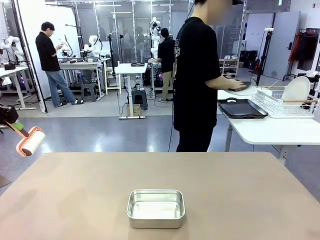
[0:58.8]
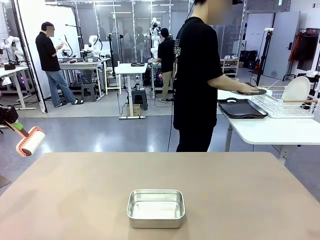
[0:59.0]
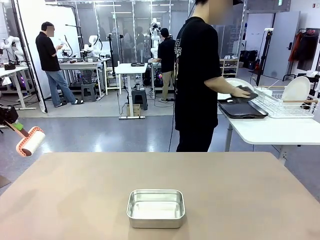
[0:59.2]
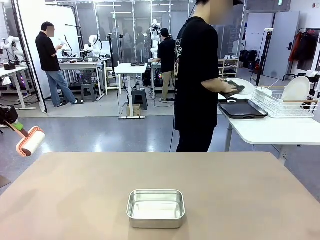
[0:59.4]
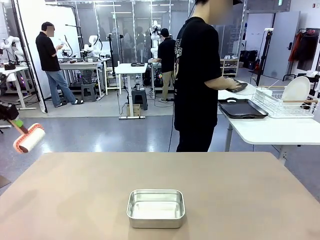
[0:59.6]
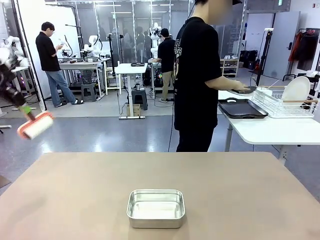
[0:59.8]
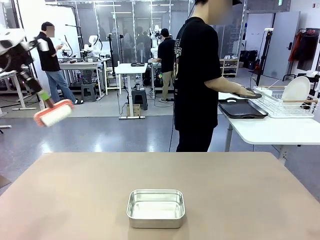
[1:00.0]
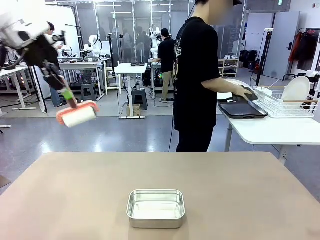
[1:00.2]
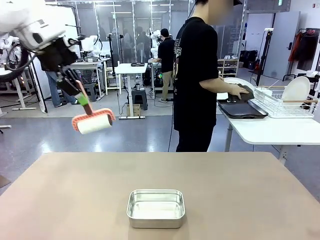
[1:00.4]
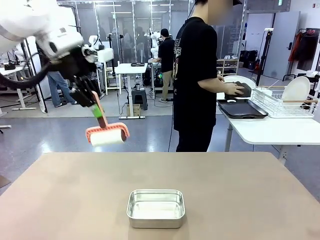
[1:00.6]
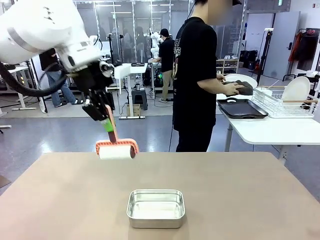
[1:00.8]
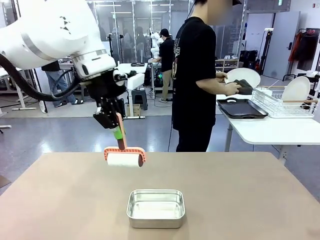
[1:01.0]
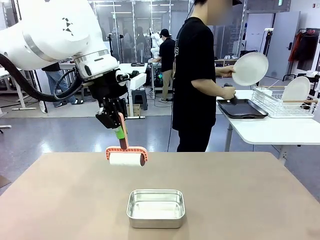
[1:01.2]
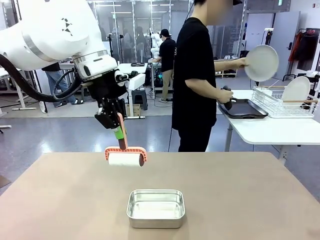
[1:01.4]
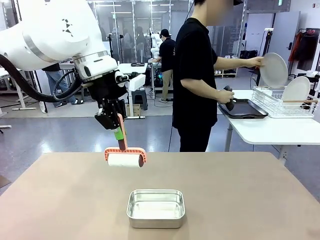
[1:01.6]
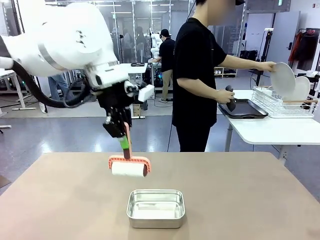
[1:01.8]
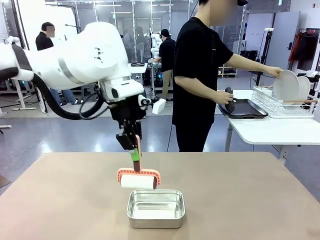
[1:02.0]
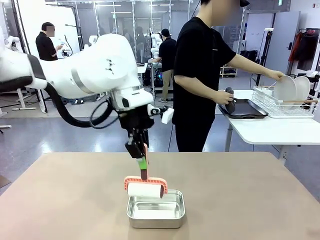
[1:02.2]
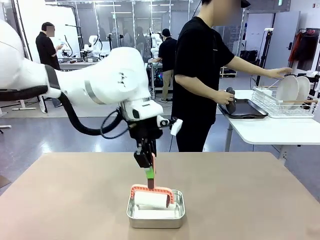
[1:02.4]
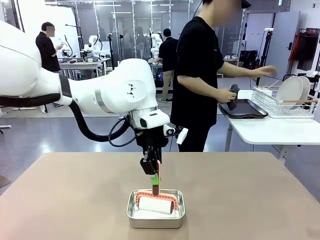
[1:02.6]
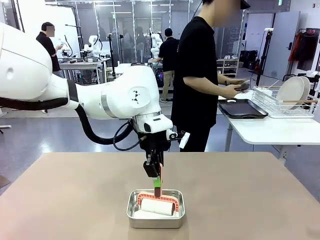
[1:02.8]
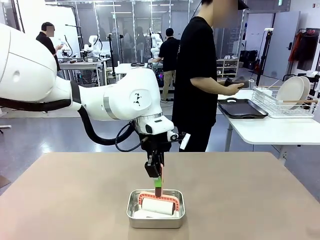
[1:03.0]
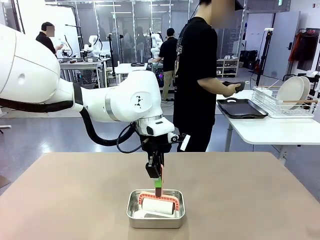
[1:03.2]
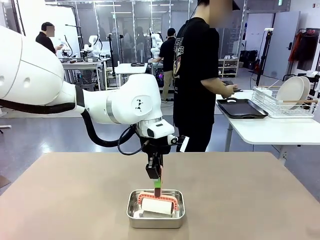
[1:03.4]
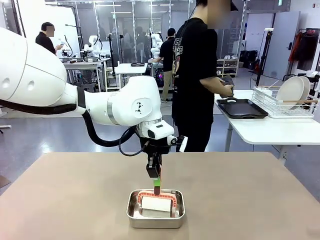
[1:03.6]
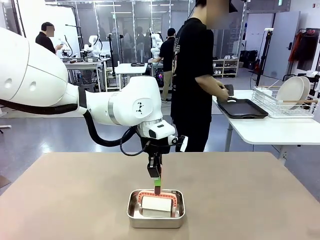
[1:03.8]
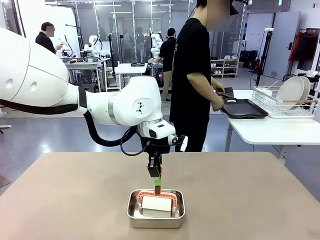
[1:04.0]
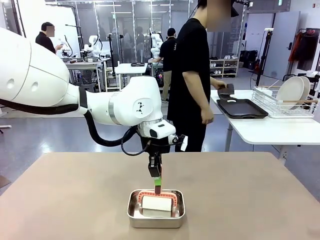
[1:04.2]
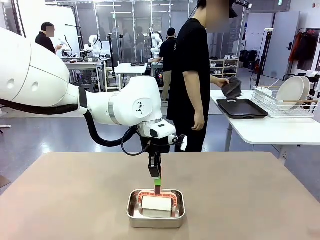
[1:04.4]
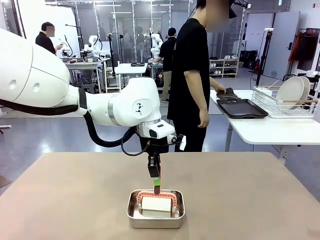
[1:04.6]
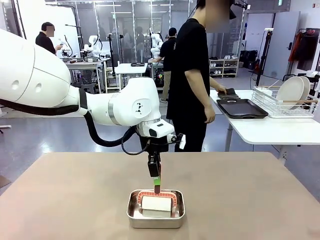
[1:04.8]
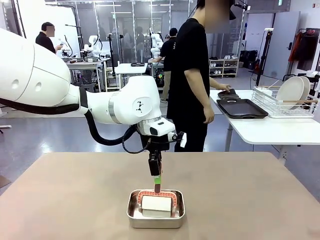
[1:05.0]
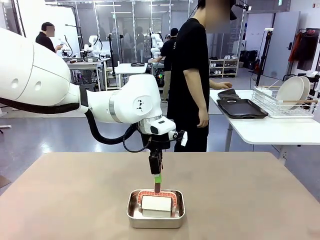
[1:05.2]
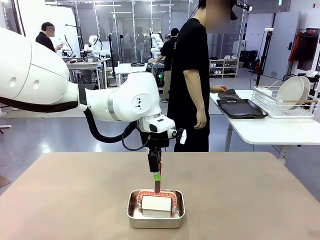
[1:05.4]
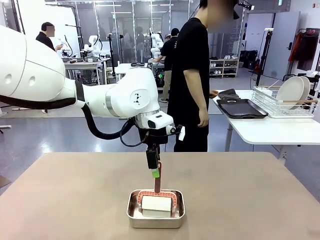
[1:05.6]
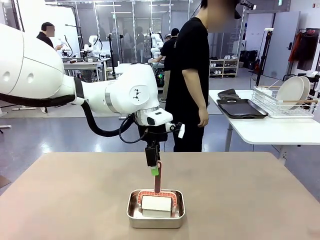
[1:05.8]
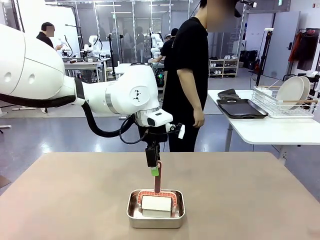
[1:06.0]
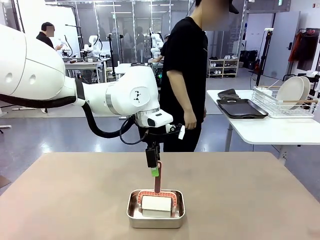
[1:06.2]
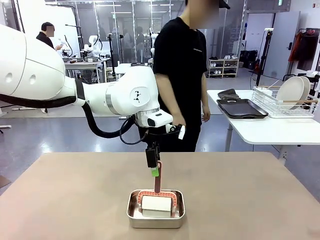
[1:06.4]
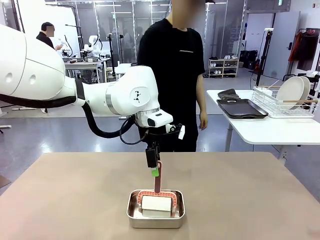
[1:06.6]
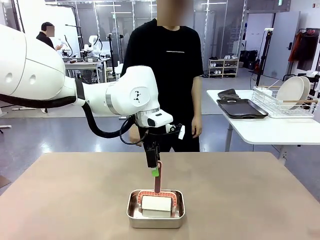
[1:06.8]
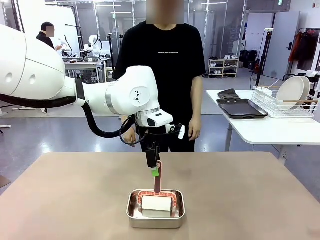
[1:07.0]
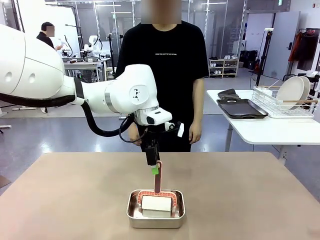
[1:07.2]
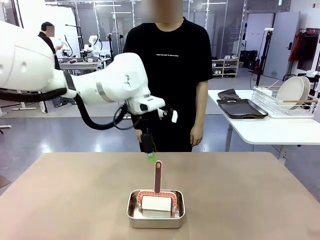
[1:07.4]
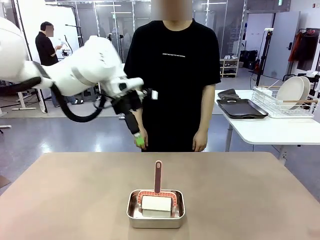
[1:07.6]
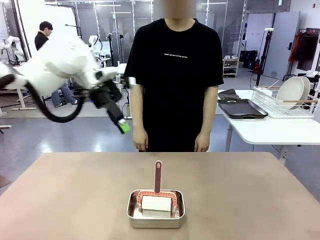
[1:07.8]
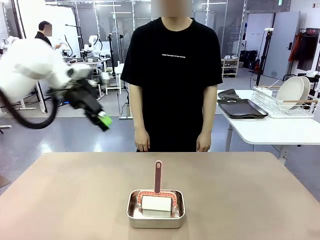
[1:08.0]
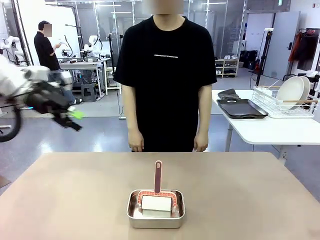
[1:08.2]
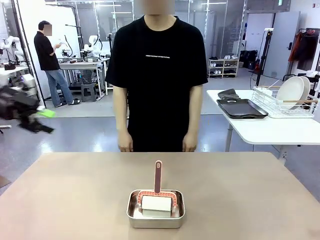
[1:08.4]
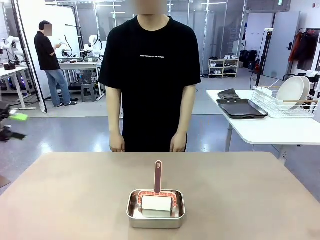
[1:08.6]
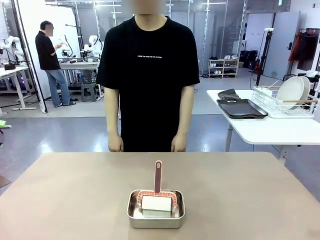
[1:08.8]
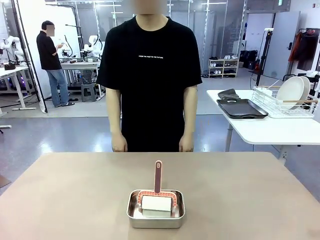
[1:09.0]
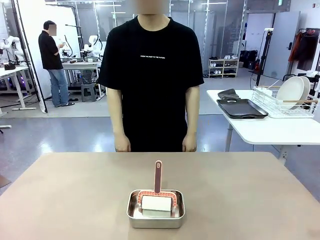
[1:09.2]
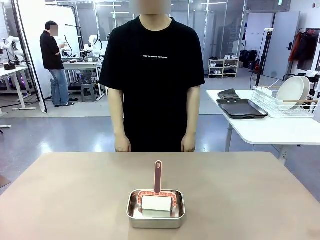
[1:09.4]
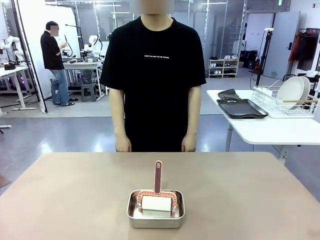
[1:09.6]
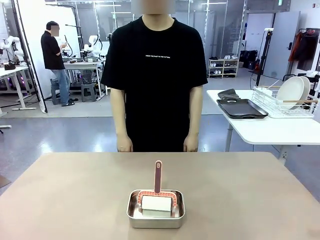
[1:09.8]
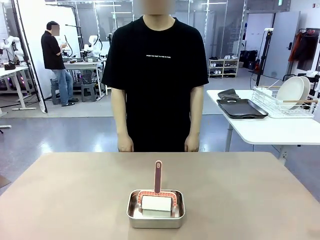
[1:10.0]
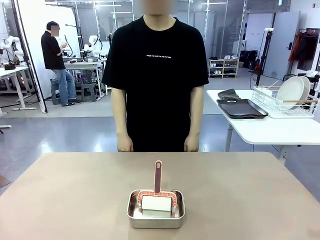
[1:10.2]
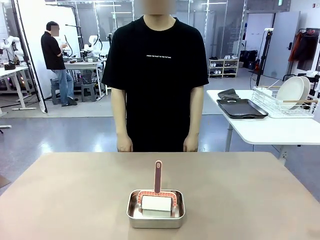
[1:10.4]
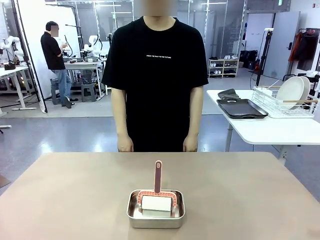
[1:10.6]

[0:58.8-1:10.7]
Robot: Place the Lint Roller back on top of the Airtight Container.

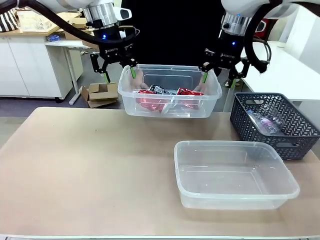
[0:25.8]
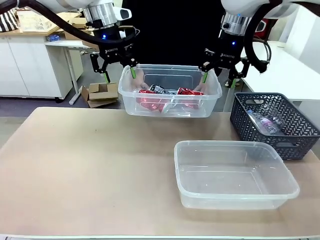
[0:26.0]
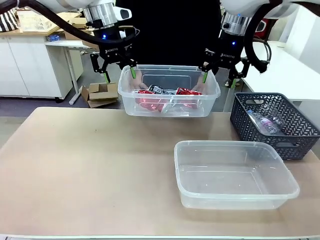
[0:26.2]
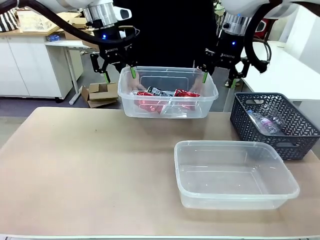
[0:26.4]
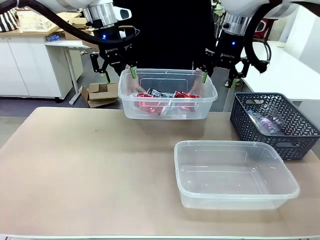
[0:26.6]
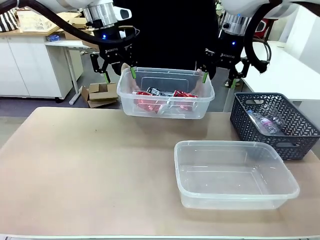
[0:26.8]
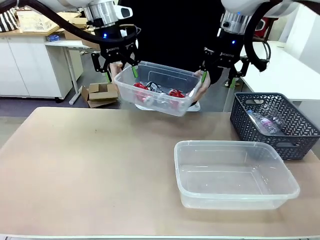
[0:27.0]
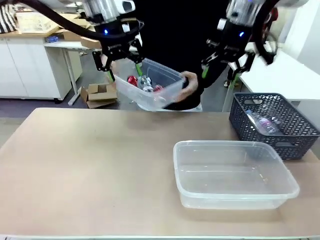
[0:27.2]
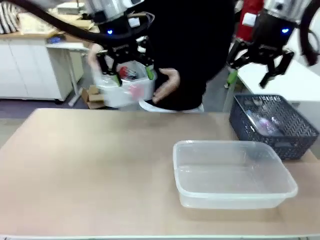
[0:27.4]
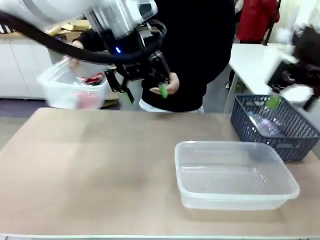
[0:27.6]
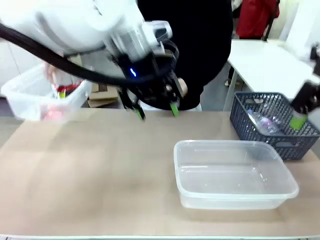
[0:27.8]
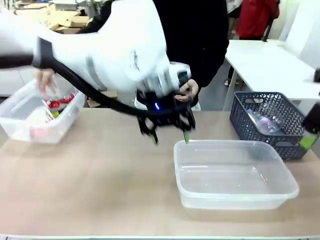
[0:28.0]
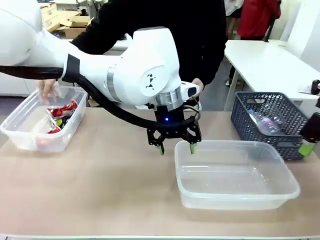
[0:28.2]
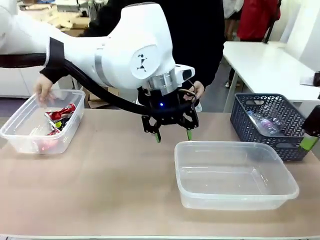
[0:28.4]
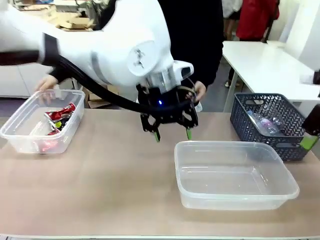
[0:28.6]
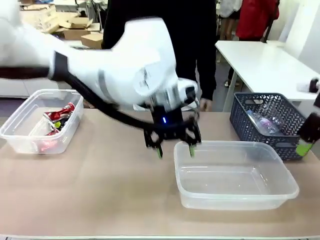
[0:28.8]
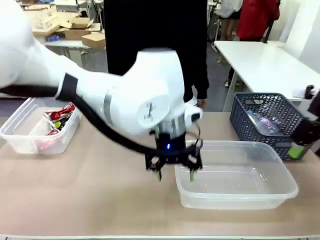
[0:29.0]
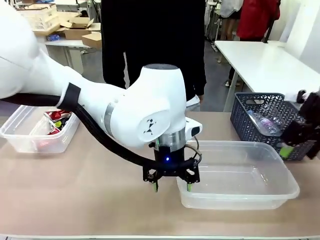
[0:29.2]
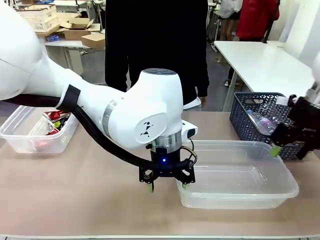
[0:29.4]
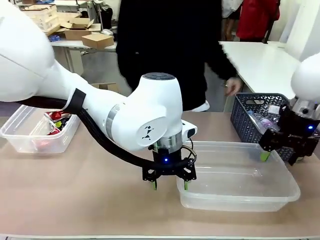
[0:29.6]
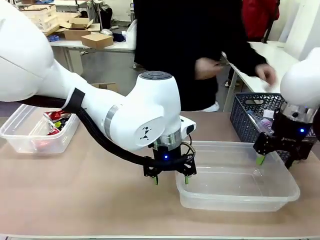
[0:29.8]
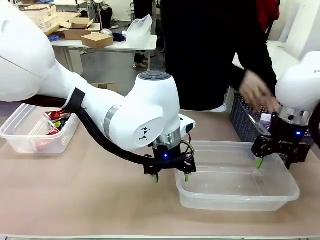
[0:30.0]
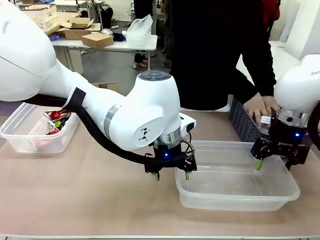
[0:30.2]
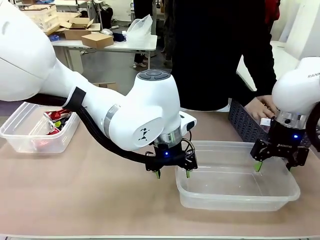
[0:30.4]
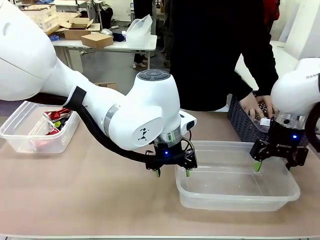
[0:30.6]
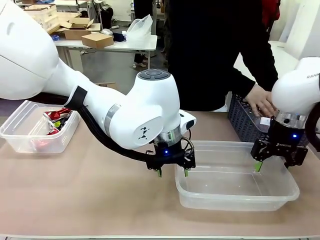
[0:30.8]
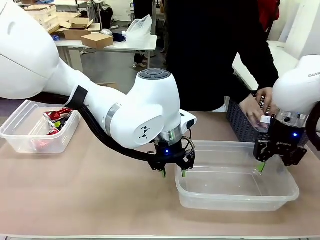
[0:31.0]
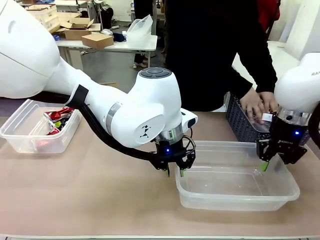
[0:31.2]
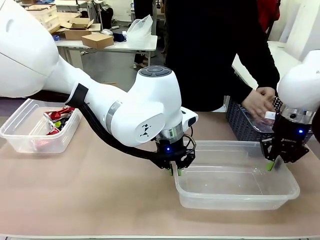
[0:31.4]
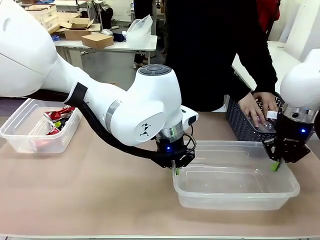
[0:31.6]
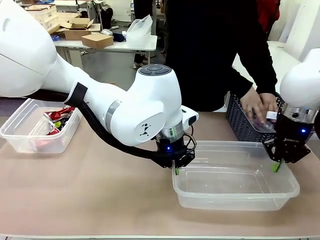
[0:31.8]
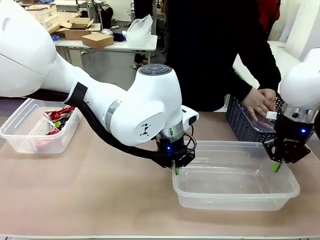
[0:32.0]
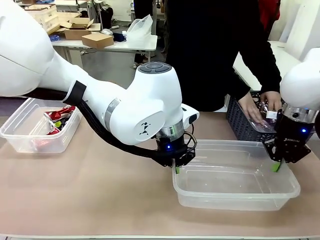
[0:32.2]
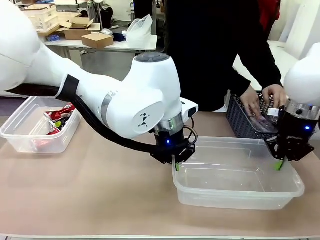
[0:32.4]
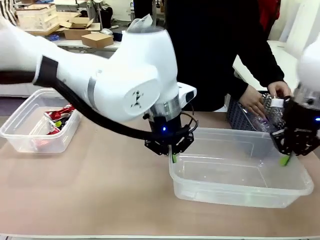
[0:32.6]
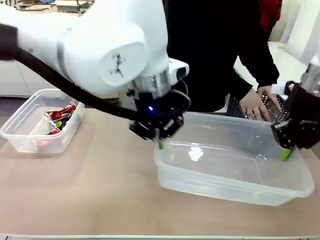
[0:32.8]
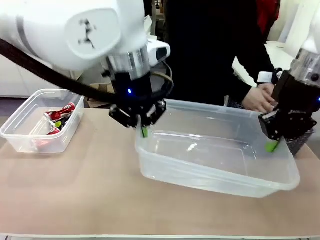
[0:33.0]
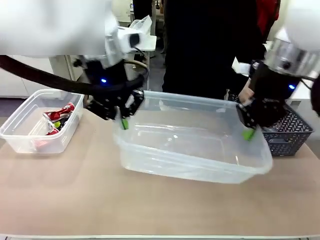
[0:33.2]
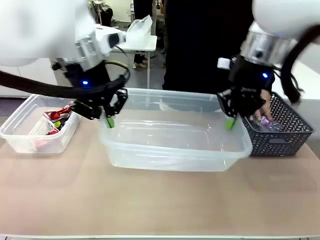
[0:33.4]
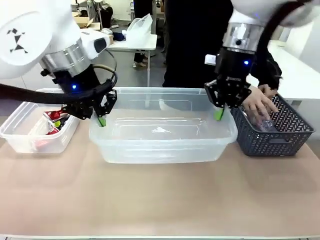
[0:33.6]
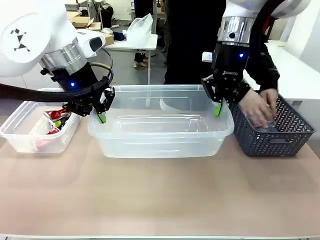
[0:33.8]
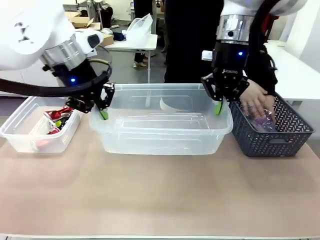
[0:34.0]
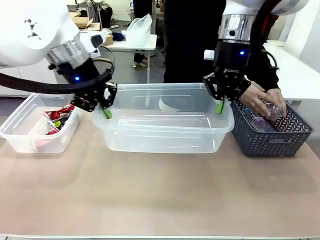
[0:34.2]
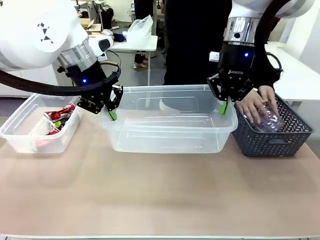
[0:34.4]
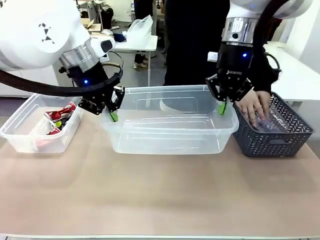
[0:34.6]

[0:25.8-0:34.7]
Robot: Pick up the Organizing box on the right side of the table and lift it.
Person: Place it at the edge of the bottom right area of the robot table. Pick up plastic waste one by one and place it into the organizing box lifted by the robot.
